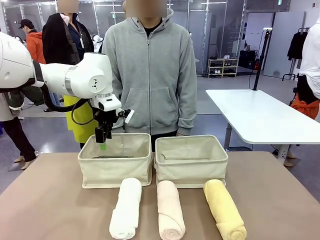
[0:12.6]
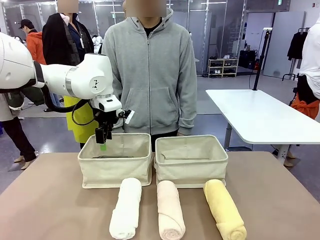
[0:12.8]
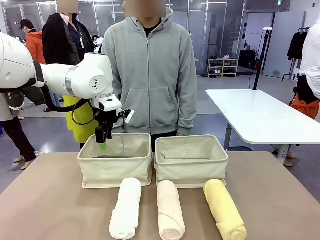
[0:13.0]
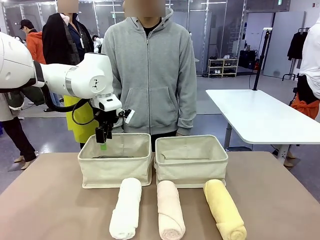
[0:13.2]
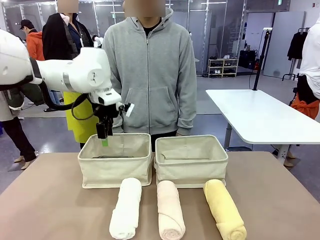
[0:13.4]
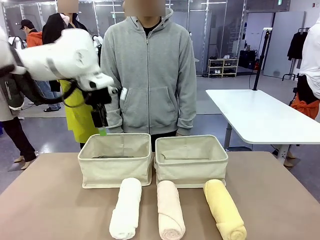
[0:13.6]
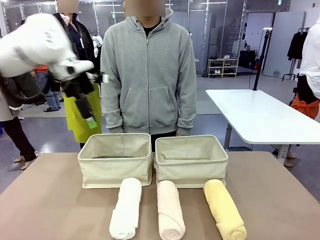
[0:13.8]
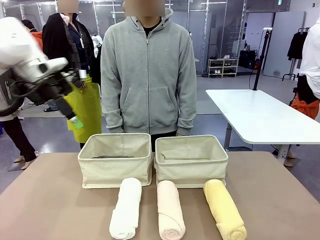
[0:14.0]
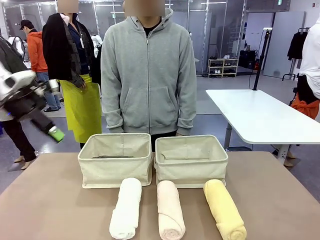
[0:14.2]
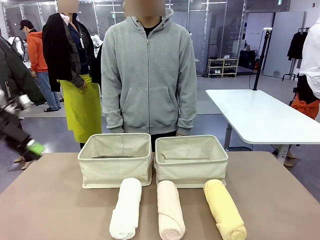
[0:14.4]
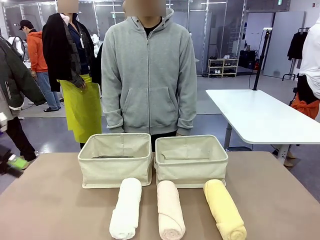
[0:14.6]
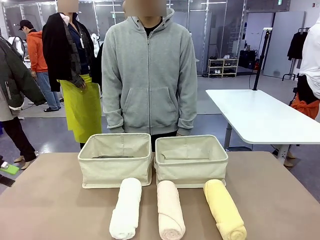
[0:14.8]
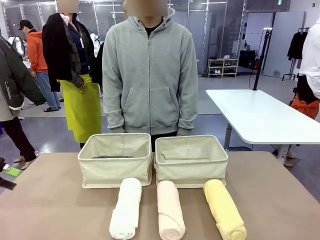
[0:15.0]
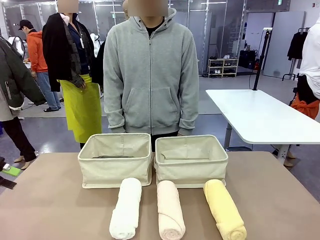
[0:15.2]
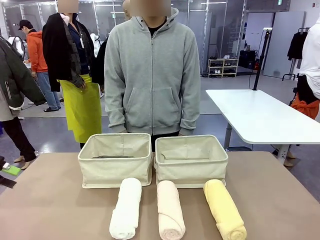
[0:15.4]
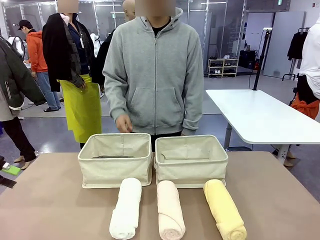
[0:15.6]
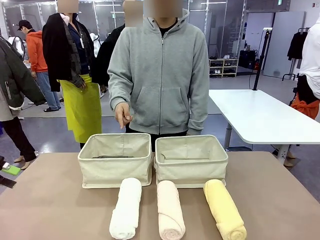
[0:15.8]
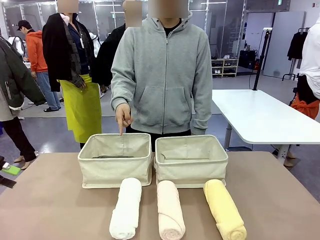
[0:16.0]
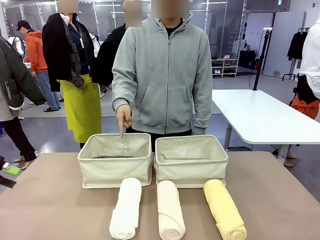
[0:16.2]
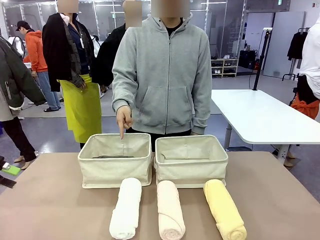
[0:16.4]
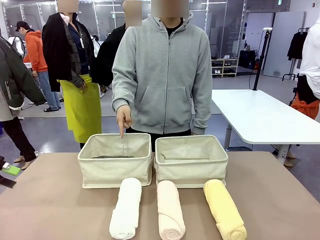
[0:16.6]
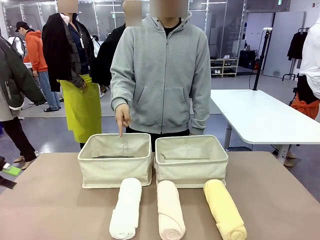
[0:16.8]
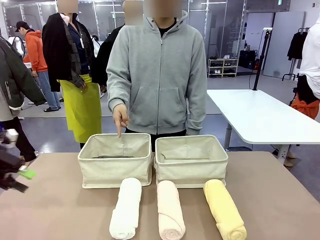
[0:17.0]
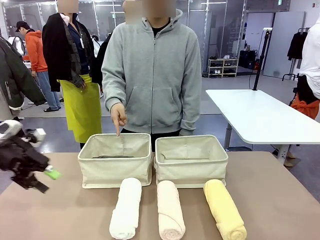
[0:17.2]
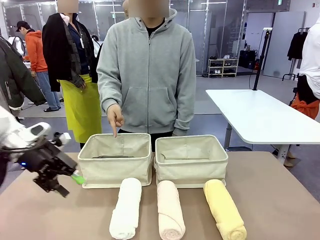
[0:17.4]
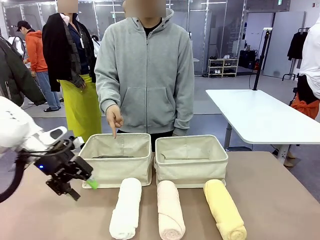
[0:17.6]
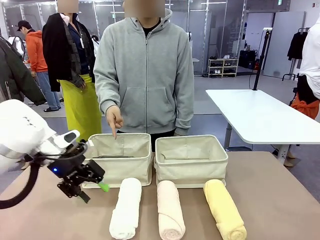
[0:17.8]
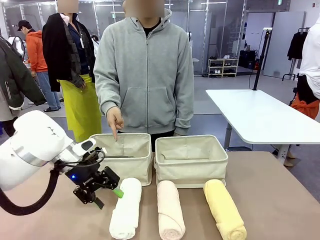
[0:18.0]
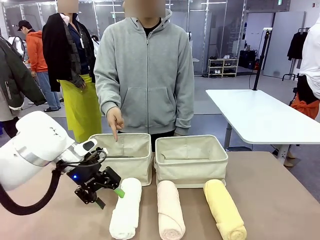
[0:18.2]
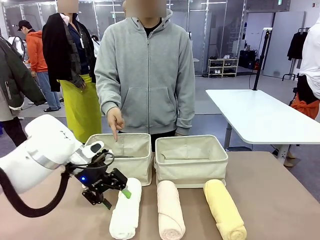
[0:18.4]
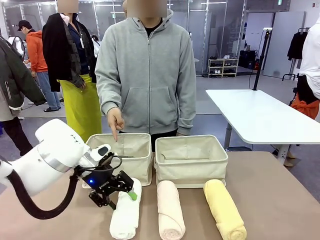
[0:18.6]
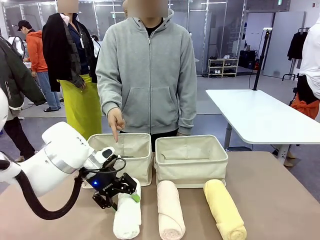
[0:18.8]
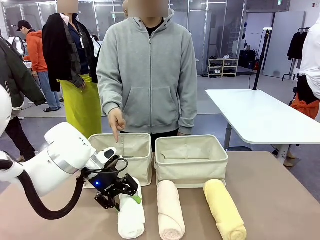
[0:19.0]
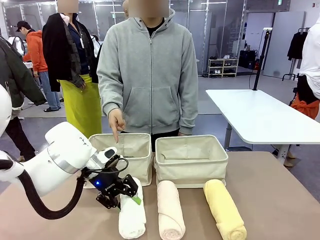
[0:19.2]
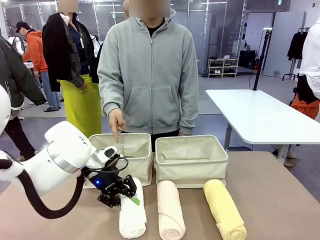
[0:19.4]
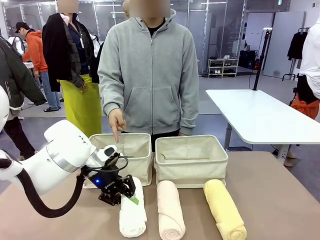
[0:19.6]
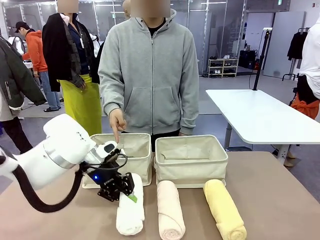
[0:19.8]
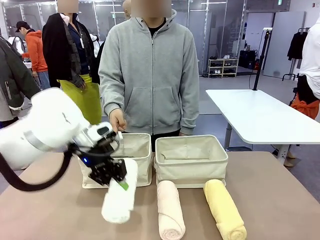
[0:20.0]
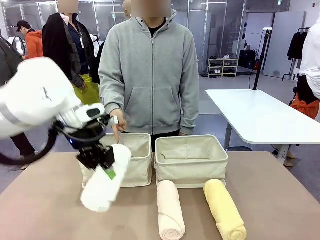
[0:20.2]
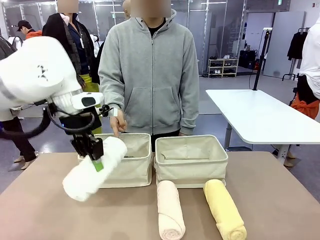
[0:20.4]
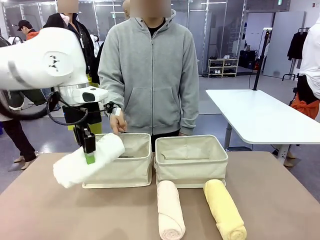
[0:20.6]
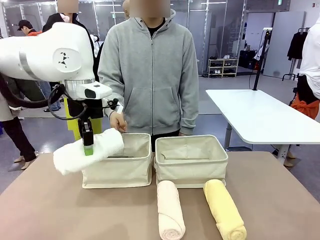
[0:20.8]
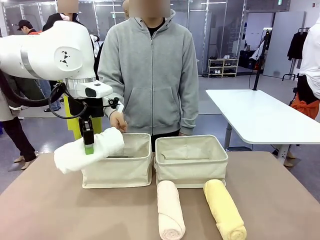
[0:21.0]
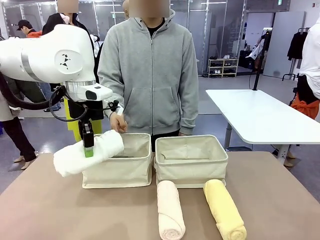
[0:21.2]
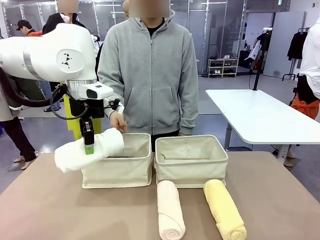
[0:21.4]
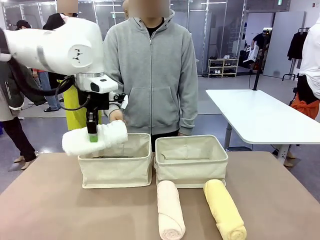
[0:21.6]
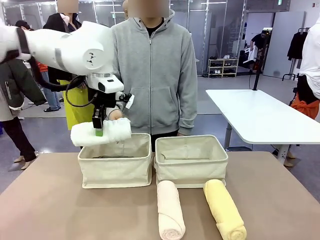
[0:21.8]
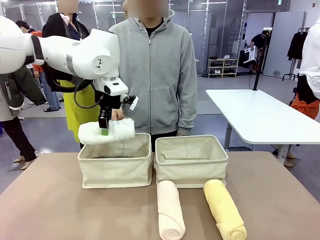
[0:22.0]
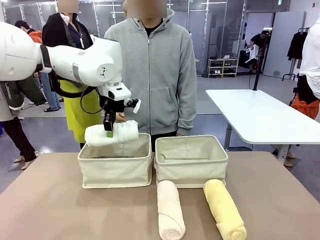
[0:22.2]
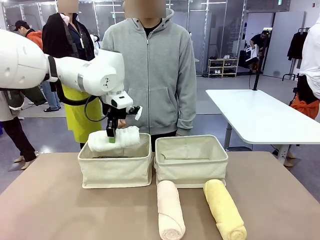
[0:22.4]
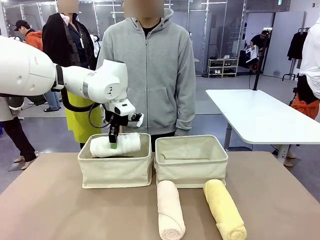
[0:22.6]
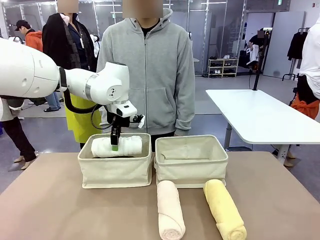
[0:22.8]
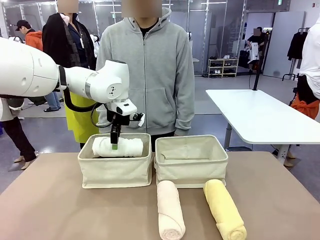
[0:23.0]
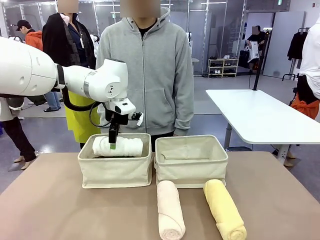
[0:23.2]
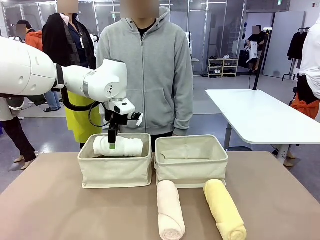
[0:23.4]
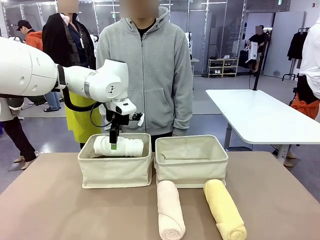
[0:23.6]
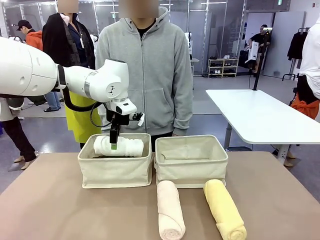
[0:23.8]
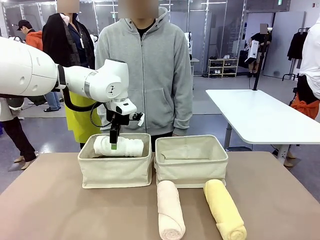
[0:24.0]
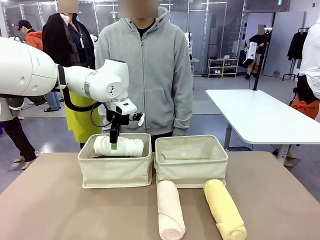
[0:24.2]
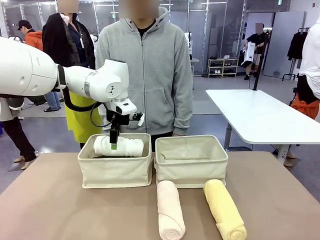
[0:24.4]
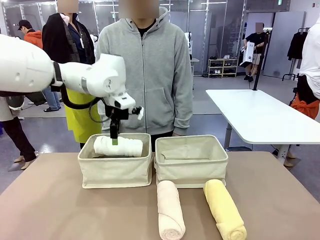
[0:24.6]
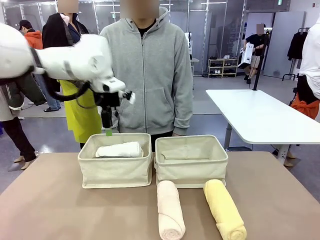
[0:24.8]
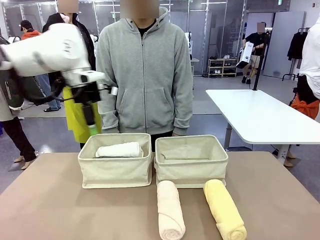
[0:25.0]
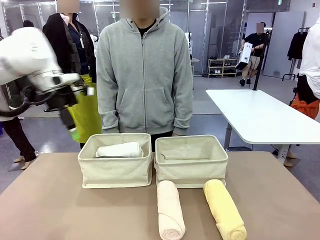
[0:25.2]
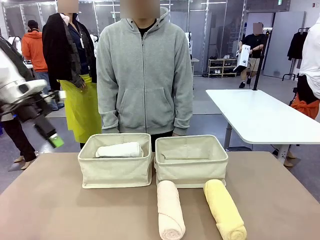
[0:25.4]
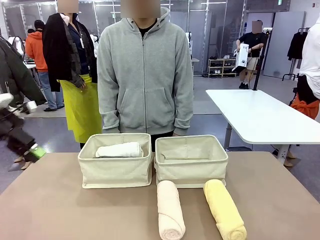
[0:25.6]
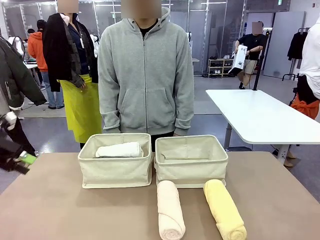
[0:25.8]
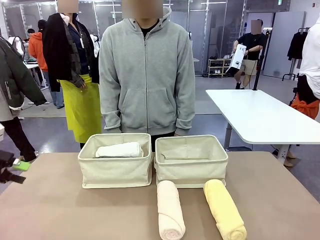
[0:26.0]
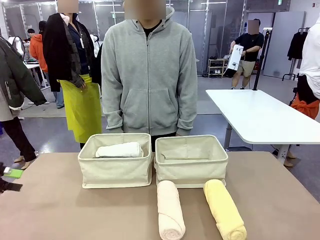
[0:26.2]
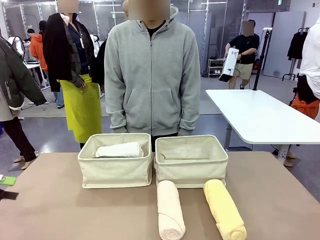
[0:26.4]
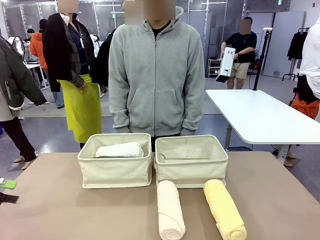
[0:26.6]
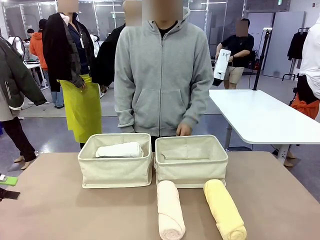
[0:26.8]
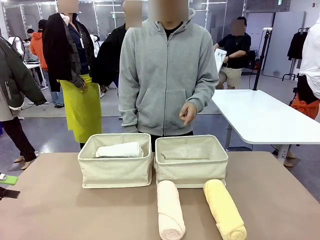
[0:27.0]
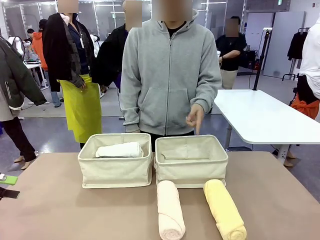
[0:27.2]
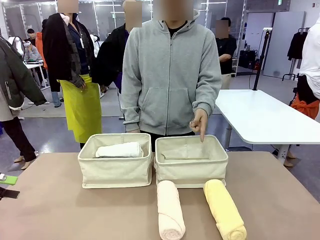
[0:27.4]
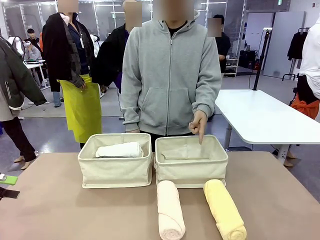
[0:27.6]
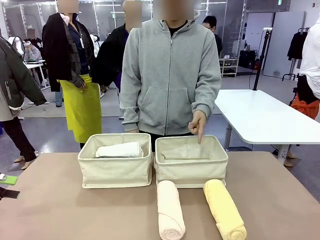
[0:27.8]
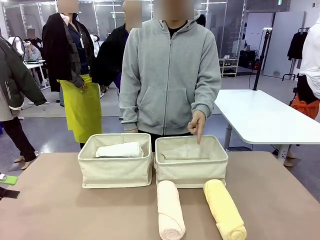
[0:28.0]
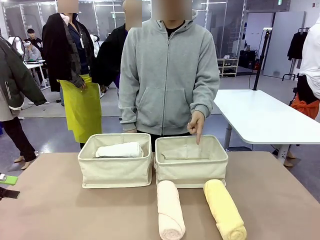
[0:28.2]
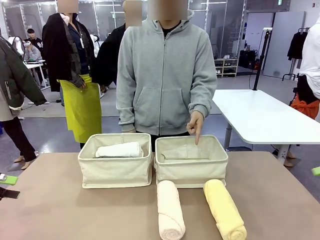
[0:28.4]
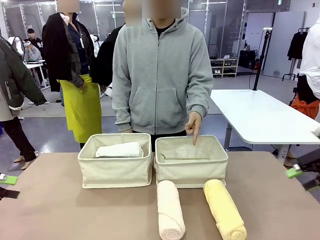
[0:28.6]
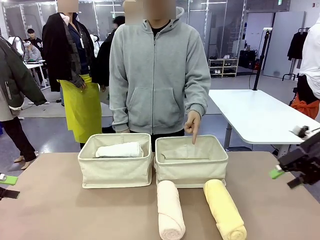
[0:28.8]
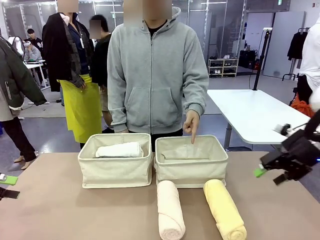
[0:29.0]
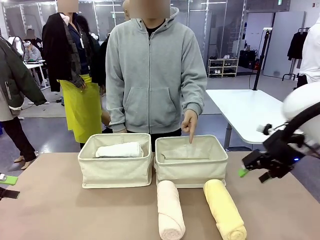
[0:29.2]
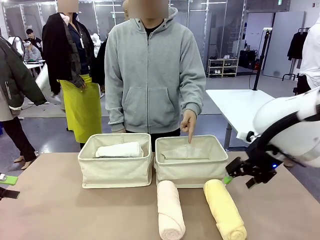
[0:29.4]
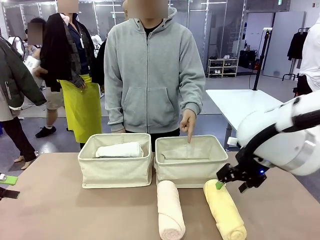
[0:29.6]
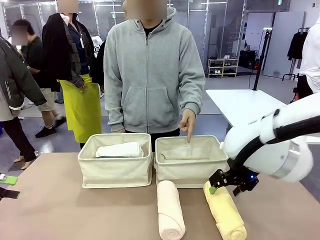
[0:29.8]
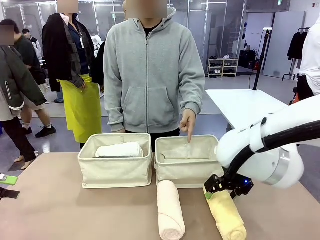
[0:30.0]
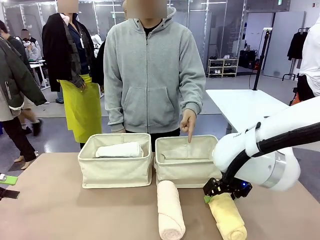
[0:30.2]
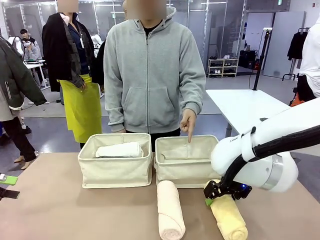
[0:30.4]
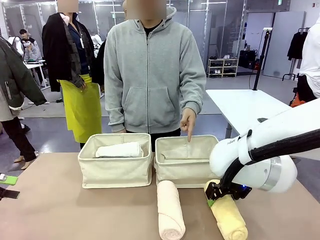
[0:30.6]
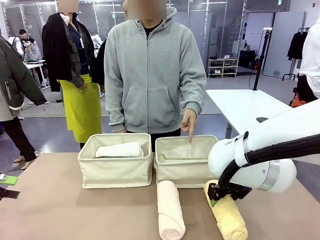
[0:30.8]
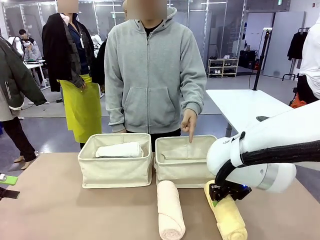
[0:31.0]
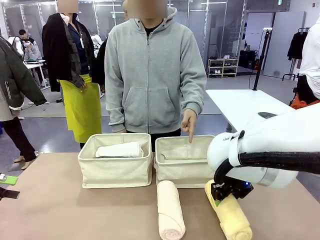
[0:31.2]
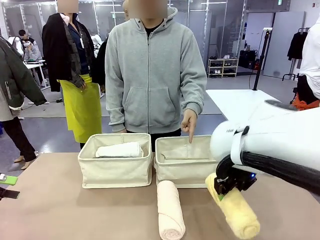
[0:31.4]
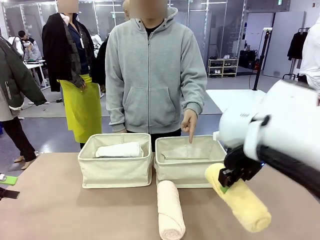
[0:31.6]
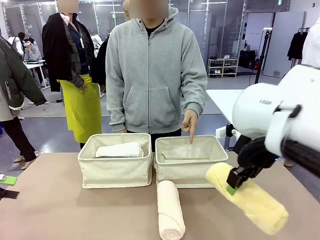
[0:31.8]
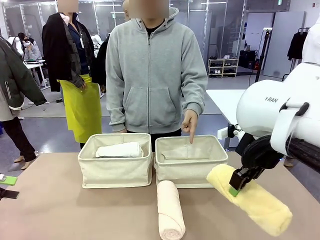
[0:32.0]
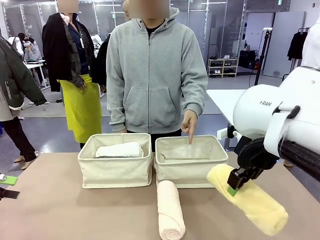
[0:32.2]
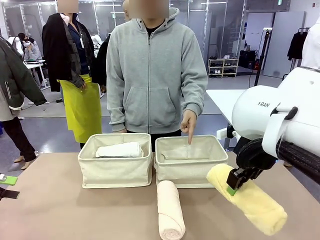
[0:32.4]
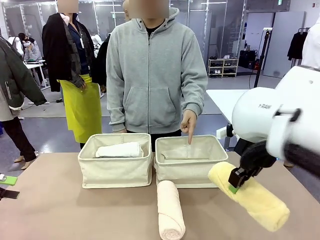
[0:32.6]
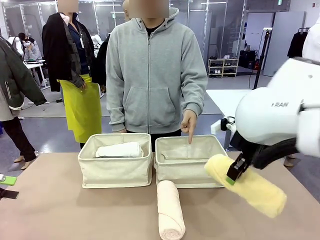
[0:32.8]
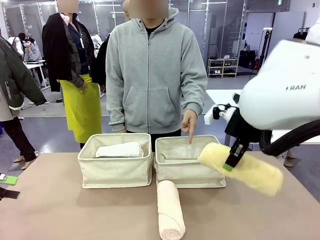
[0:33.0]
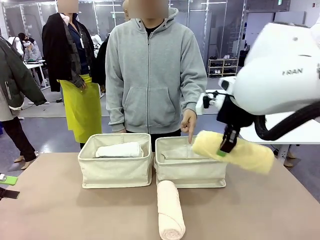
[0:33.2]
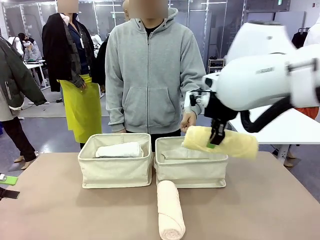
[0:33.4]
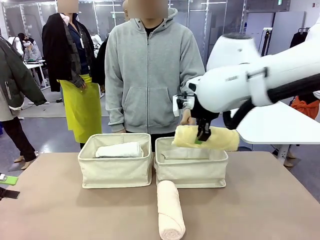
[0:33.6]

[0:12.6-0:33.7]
Task: Divide the towels into two baskets.
Robot: Pick up one hotel-folded towel from the bottom of the table and place it in the Fabric basket indicated by the person.
